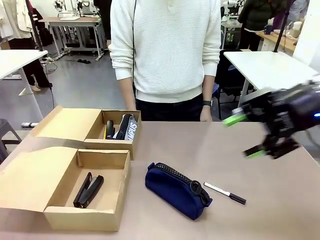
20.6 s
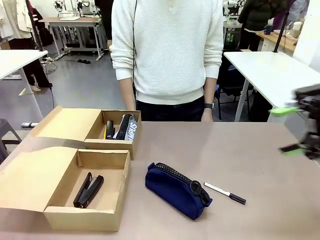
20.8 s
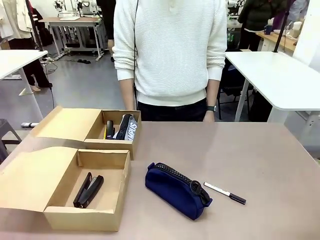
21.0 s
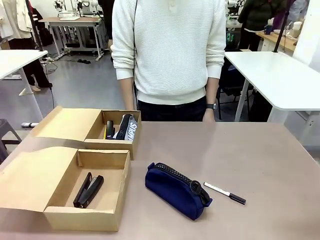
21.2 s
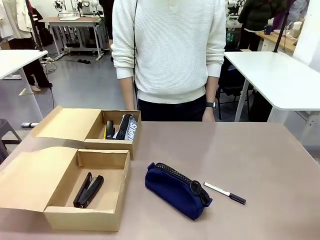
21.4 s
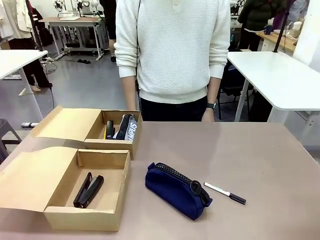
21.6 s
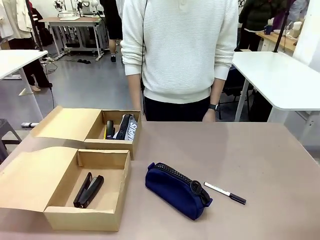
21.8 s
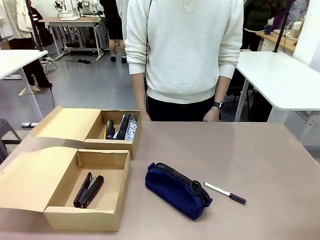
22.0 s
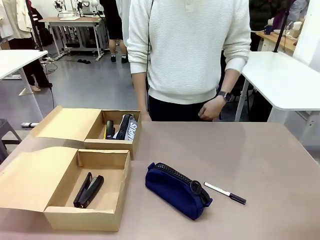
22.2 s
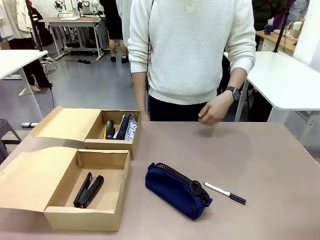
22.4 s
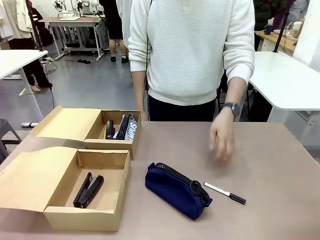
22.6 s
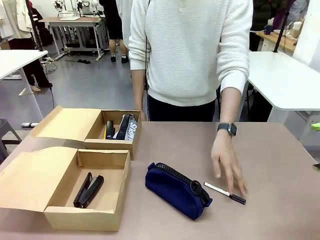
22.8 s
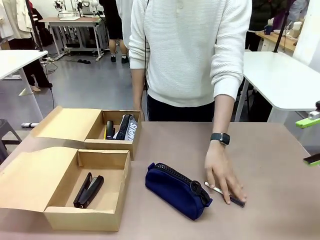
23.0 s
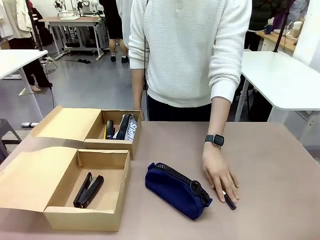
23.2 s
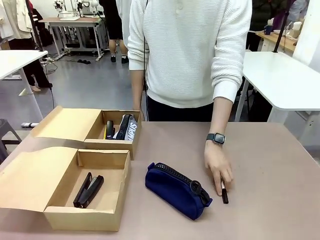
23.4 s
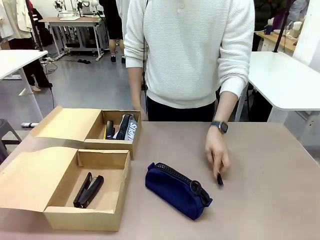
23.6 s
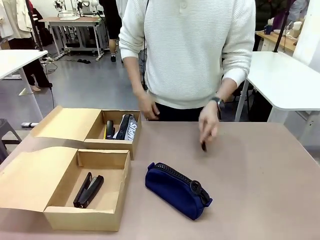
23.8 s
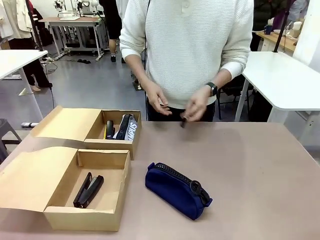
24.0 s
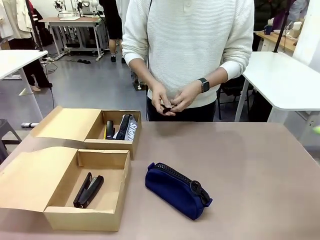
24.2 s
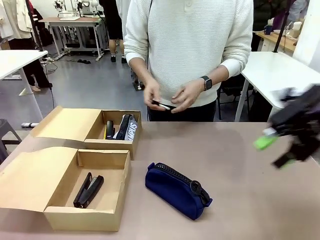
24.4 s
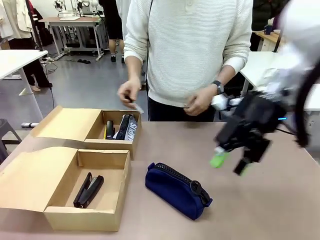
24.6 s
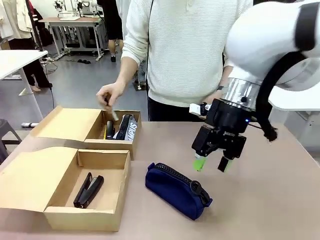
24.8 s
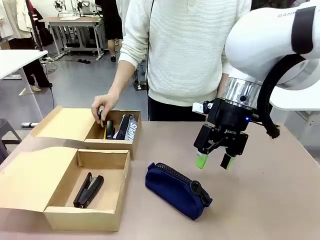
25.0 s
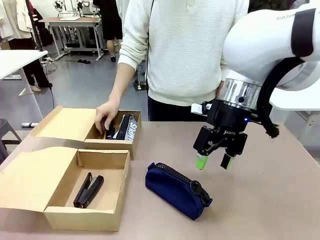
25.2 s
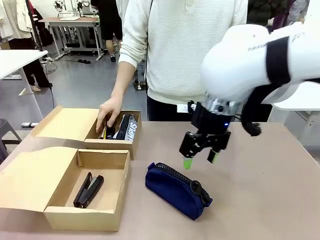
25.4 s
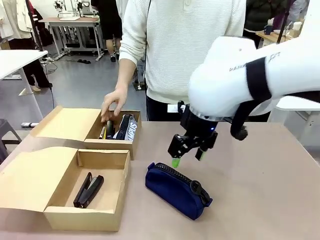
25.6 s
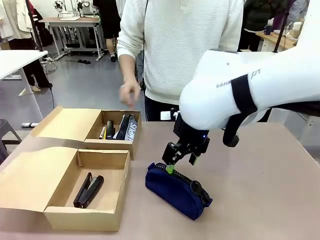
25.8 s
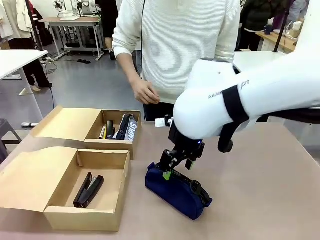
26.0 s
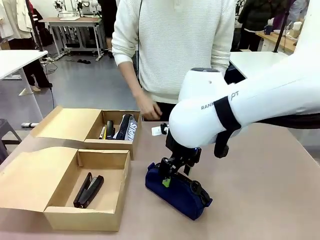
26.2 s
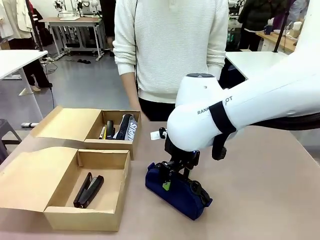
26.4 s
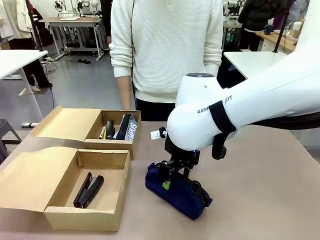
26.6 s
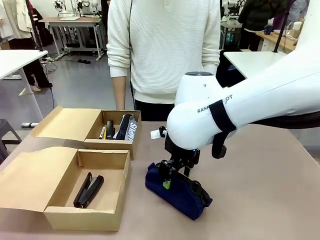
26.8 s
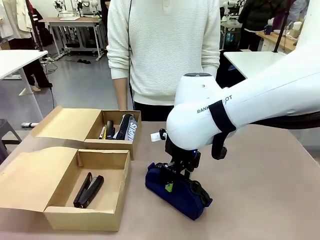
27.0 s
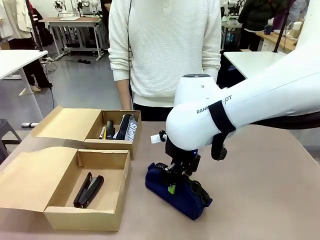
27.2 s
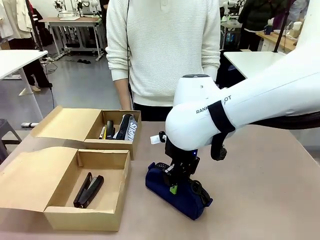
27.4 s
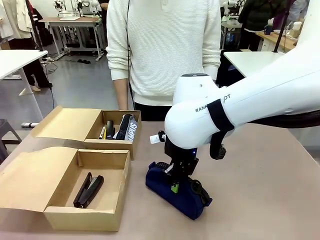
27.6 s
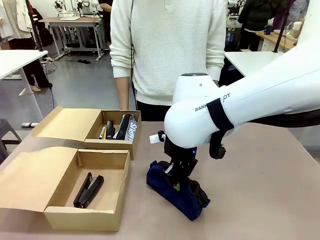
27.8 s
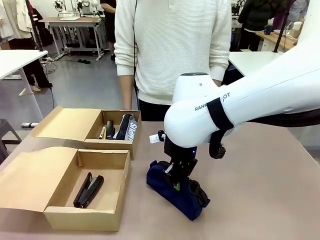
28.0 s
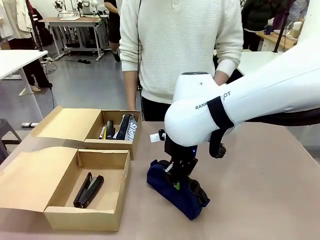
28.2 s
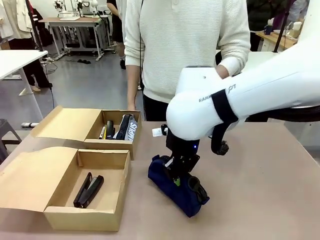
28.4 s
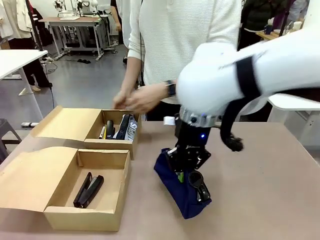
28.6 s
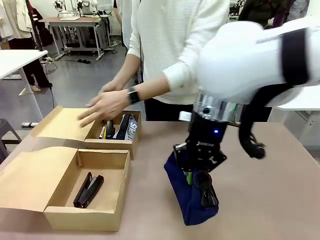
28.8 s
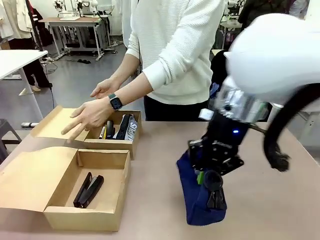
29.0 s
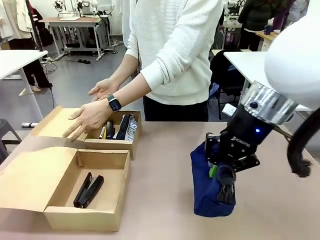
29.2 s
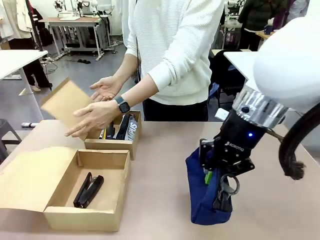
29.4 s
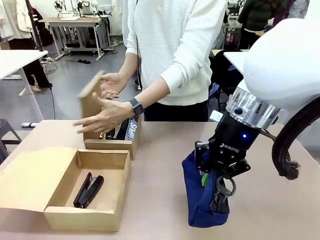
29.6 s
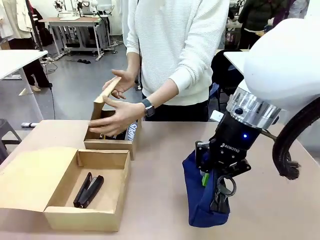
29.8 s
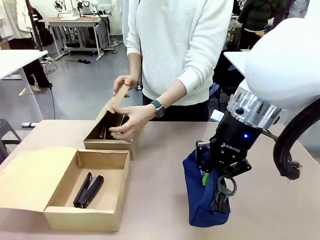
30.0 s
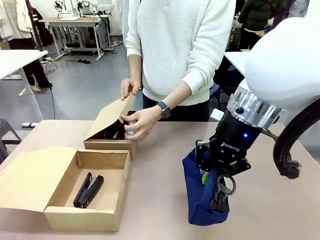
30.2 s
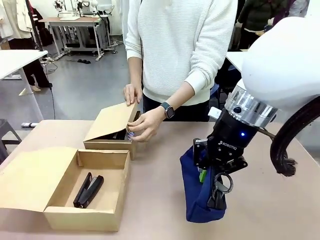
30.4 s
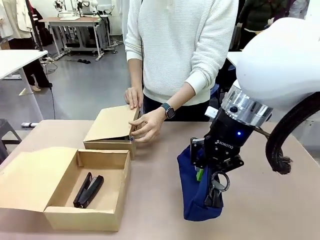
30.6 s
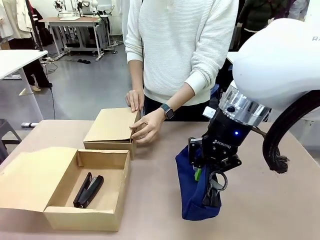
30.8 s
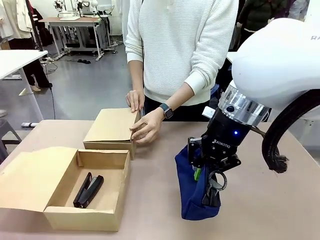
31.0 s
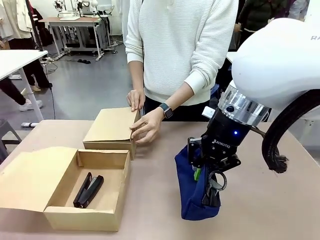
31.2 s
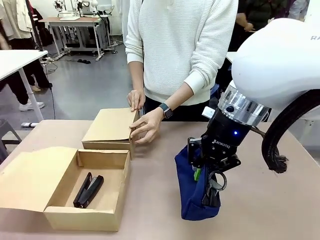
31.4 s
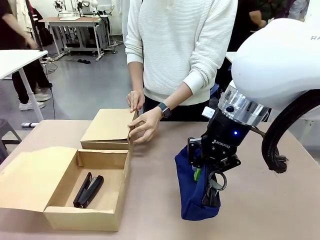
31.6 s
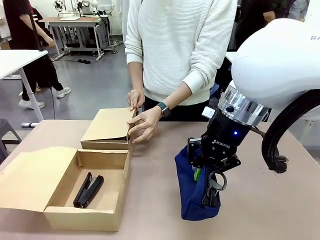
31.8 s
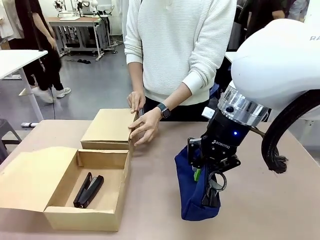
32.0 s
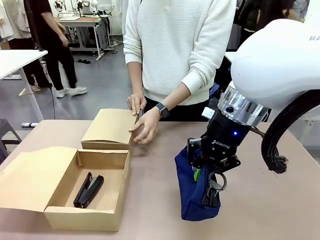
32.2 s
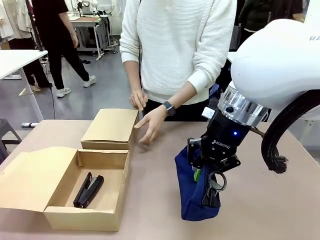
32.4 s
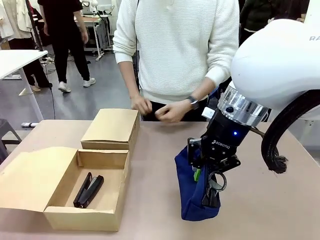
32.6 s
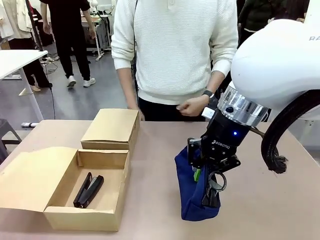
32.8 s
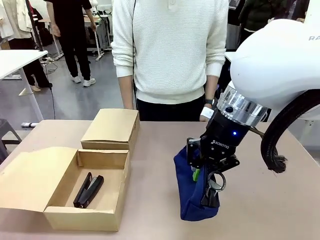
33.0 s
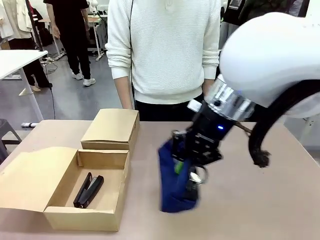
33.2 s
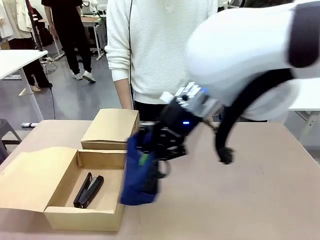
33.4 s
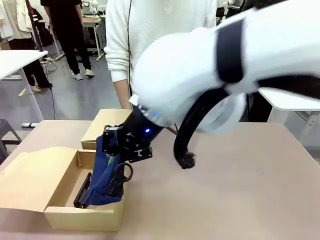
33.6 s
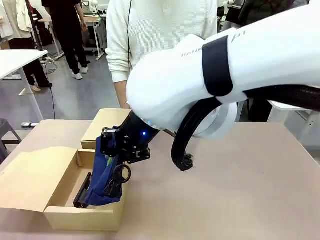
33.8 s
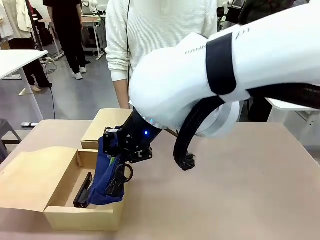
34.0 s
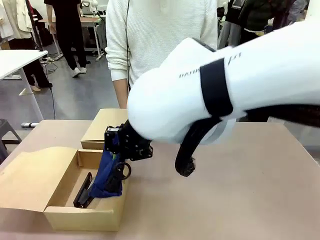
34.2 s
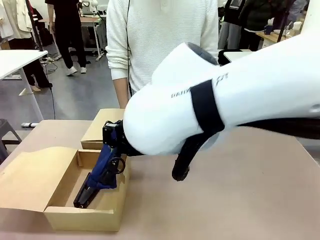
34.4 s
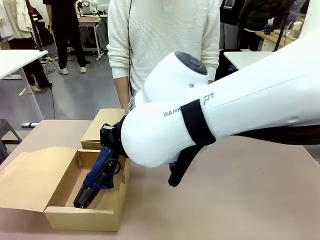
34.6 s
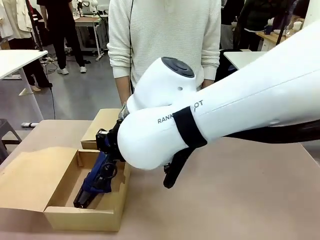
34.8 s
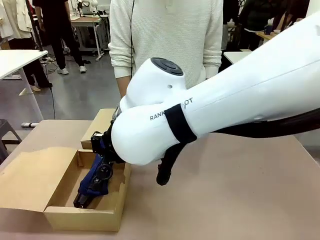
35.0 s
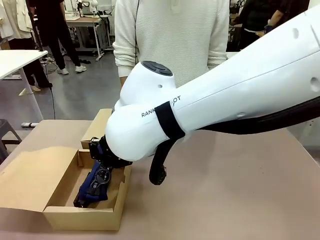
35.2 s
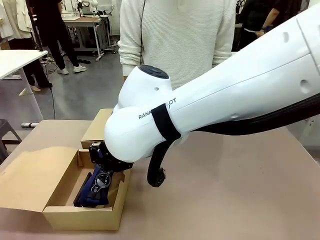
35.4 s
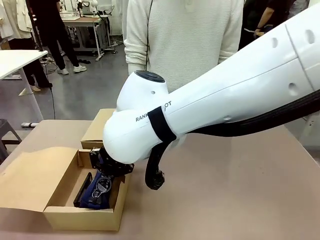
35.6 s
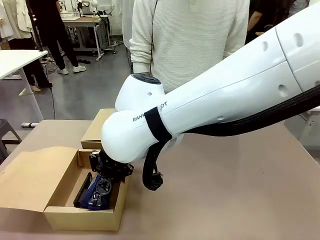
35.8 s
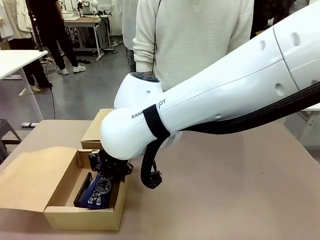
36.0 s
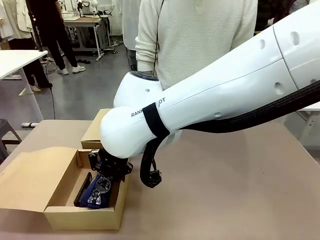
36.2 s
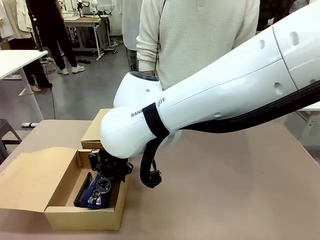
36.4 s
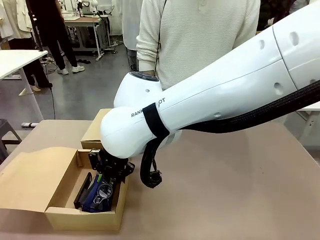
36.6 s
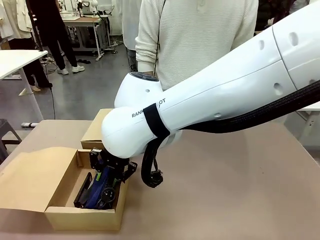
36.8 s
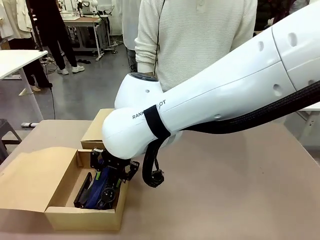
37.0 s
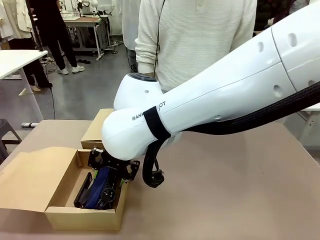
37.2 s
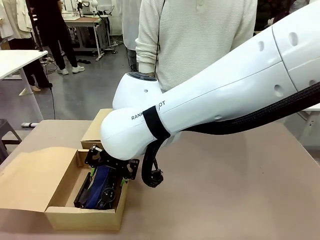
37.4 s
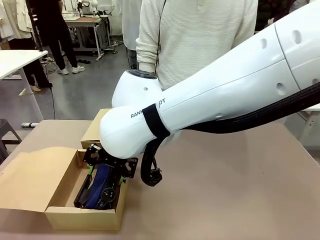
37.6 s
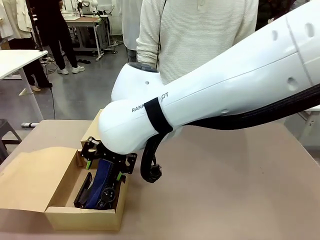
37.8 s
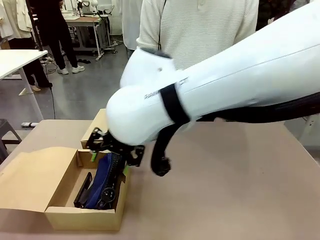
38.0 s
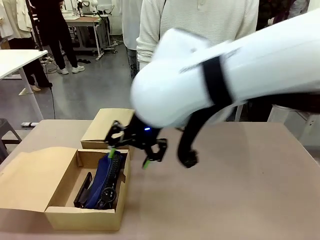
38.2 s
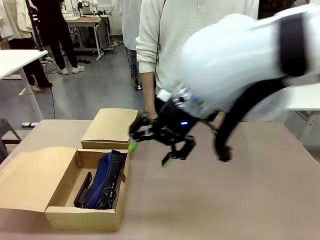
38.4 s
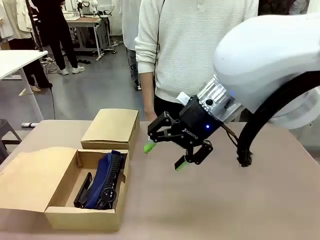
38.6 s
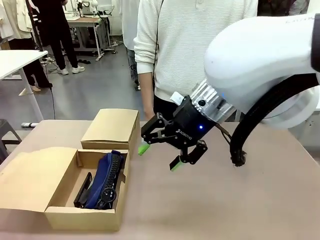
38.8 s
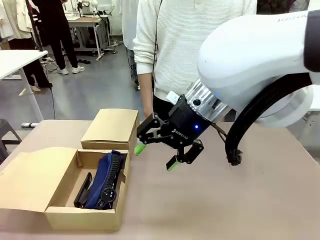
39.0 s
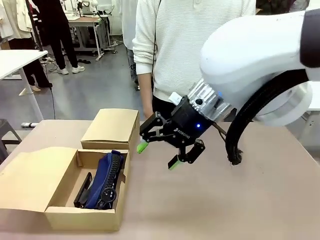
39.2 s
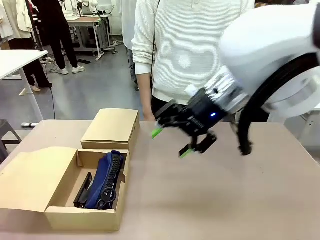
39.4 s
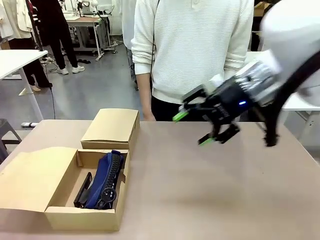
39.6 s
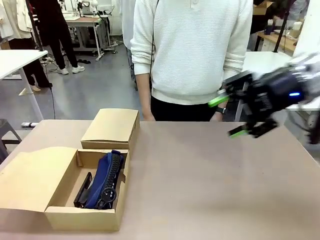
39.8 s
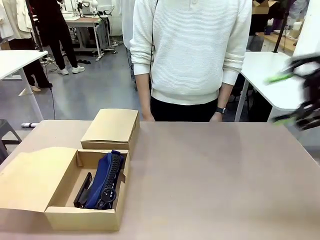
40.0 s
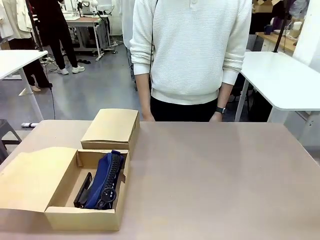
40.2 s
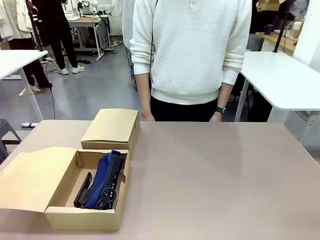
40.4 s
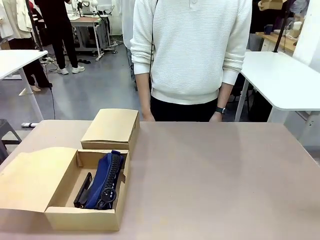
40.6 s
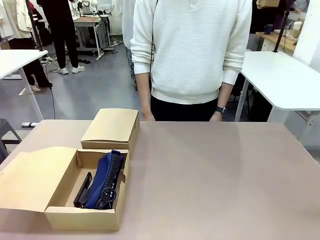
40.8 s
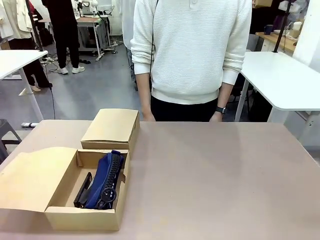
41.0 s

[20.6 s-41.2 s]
Task: Place items inside the box.
Robot: Pick up a Pencil pouch or Stapler and place it inside the Mailer Box closest to the robot.
Person: Close the lid of the box facing the person.
